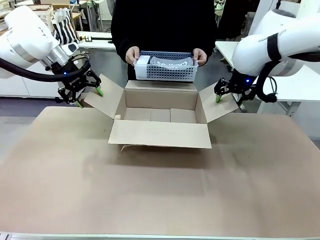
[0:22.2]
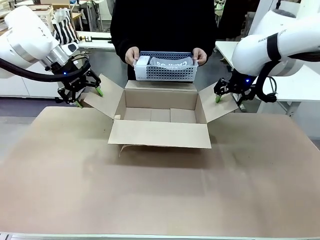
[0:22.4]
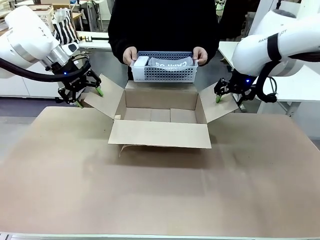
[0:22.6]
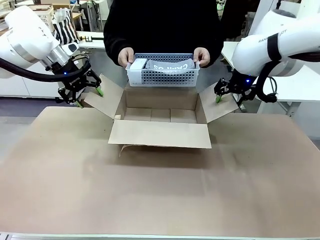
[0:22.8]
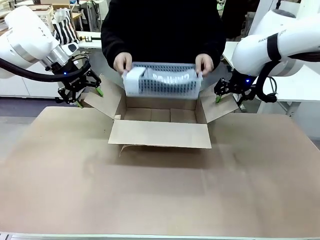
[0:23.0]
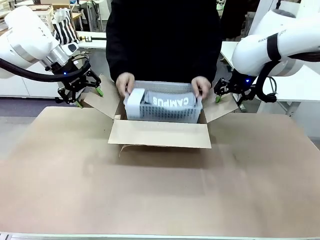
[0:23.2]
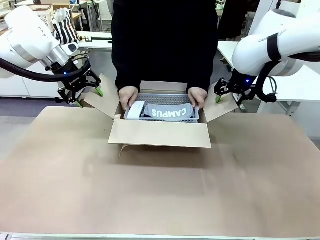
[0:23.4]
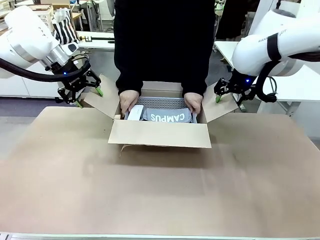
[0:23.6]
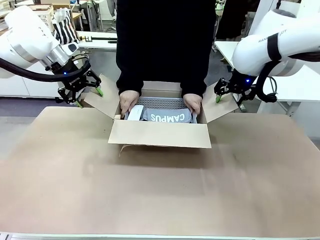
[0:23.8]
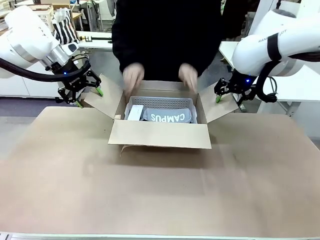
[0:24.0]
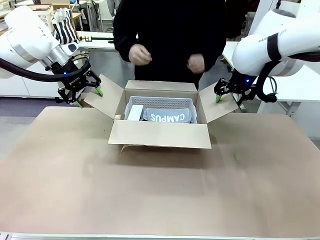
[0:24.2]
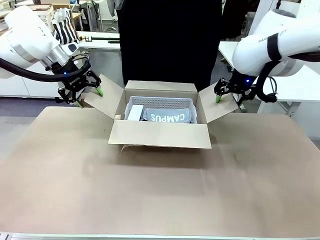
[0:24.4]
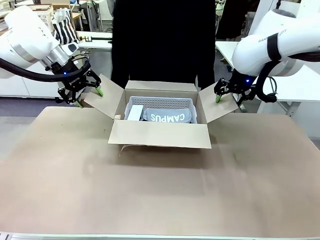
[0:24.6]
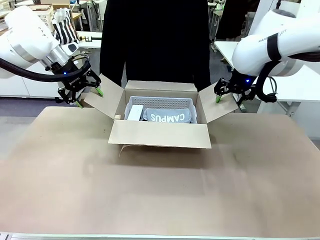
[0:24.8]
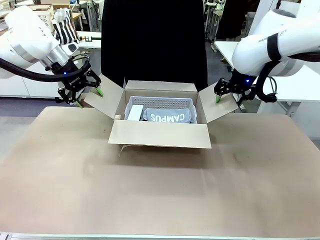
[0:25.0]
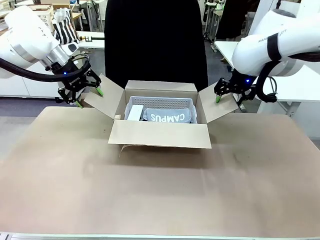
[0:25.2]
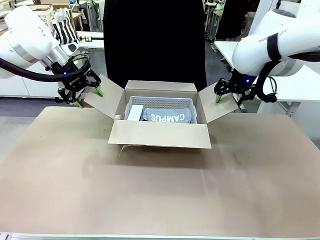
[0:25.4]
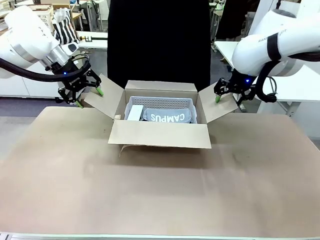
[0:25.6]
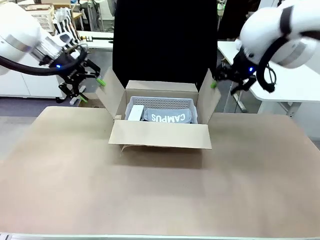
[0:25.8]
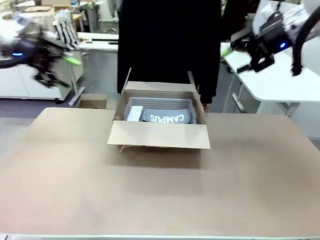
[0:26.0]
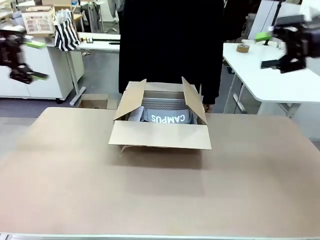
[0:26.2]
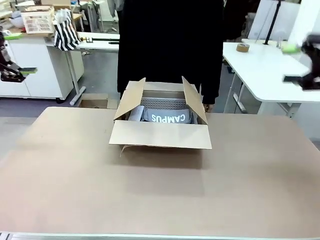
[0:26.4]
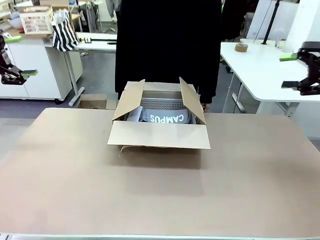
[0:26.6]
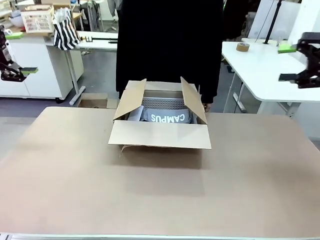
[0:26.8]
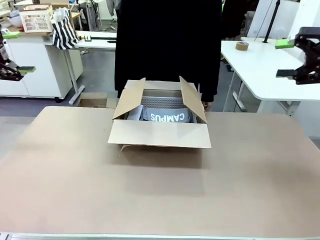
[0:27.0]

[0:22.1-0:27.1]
Task: Pack the gift set into the box.
Robot: Lift both hands away from the flaps of the Package Box.

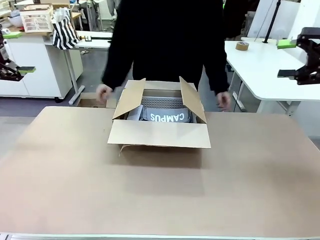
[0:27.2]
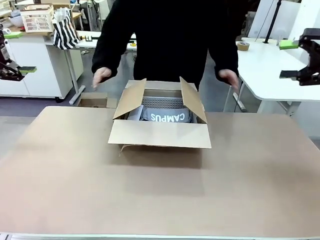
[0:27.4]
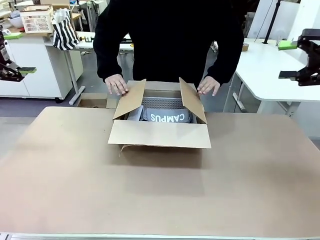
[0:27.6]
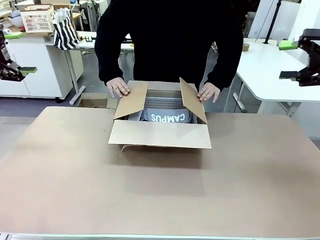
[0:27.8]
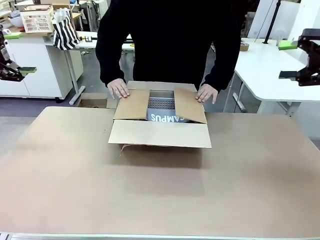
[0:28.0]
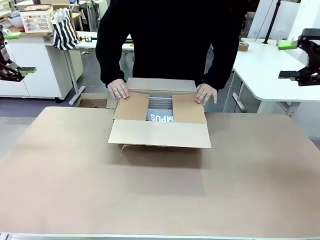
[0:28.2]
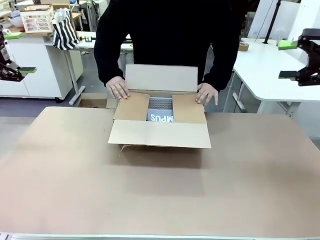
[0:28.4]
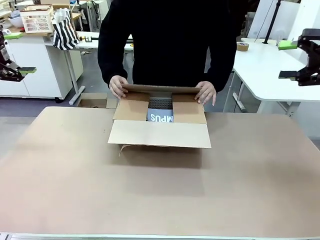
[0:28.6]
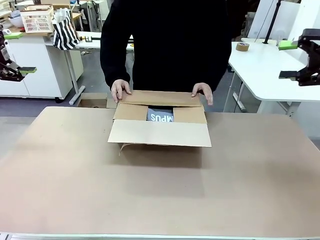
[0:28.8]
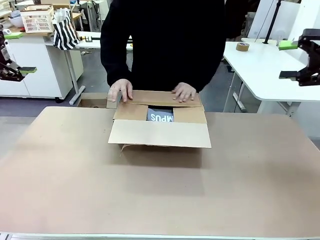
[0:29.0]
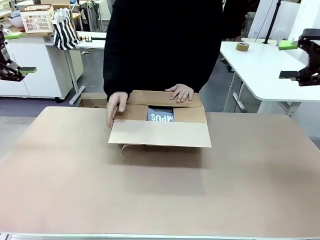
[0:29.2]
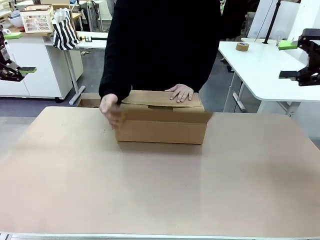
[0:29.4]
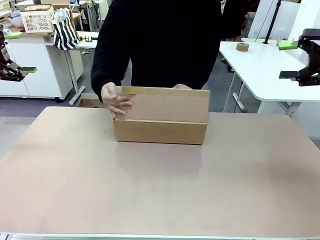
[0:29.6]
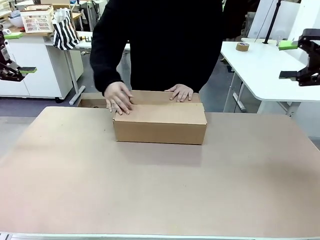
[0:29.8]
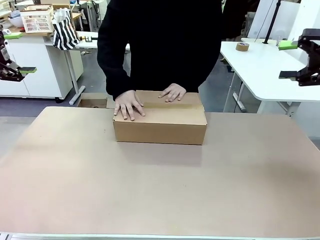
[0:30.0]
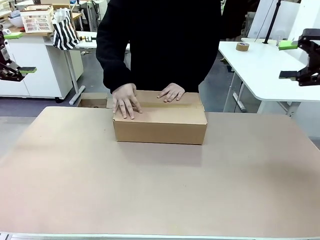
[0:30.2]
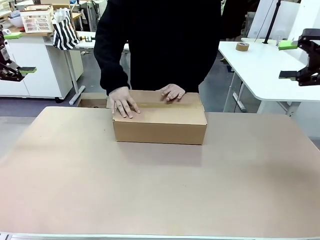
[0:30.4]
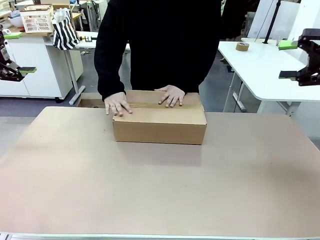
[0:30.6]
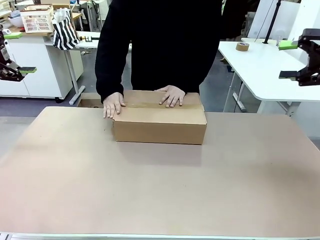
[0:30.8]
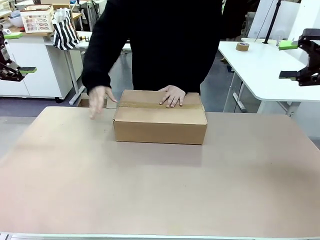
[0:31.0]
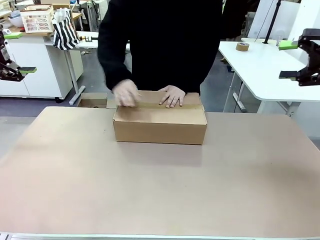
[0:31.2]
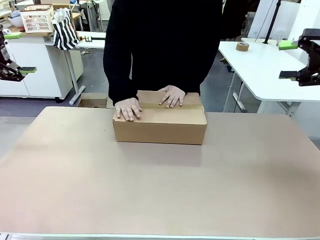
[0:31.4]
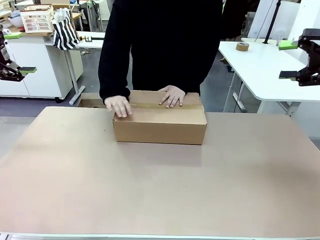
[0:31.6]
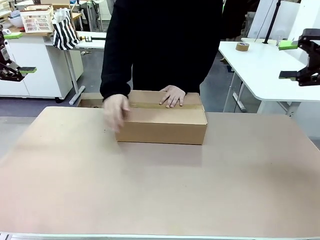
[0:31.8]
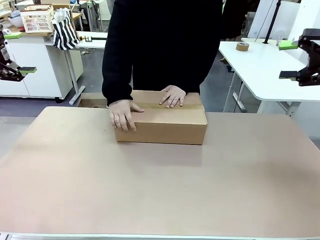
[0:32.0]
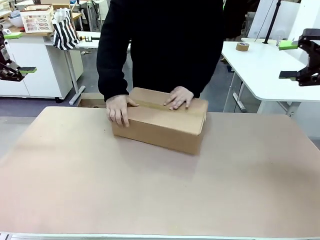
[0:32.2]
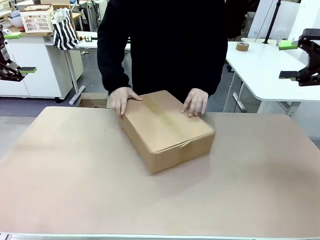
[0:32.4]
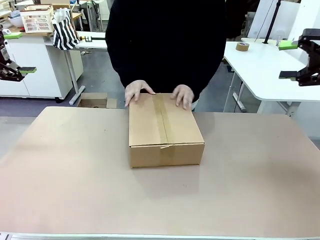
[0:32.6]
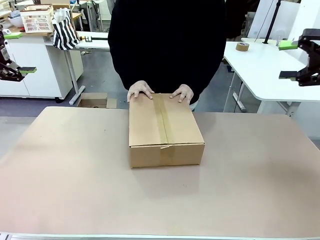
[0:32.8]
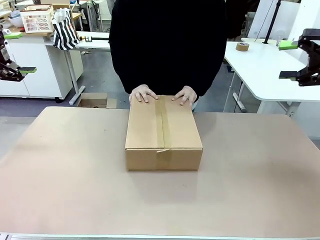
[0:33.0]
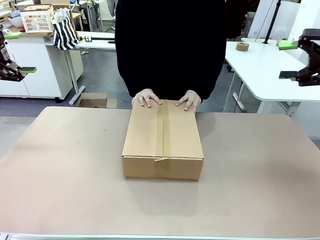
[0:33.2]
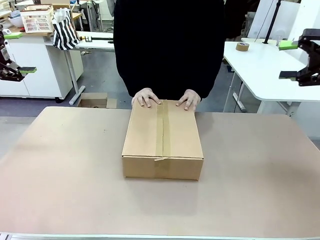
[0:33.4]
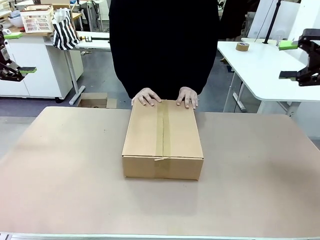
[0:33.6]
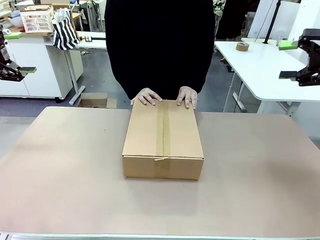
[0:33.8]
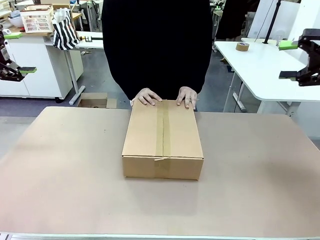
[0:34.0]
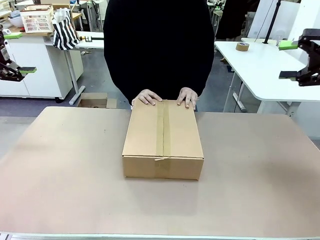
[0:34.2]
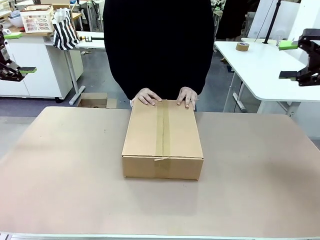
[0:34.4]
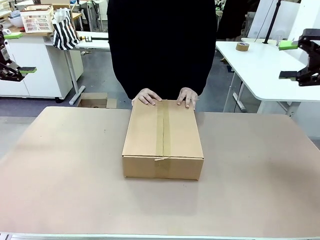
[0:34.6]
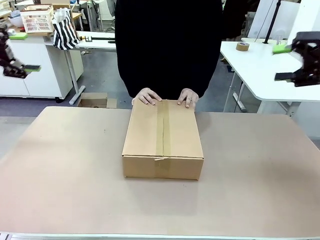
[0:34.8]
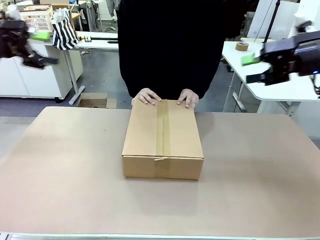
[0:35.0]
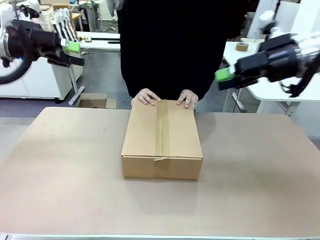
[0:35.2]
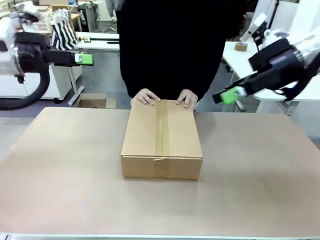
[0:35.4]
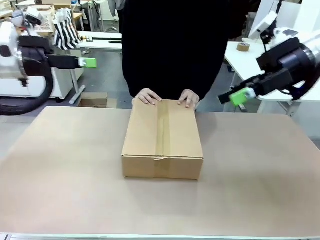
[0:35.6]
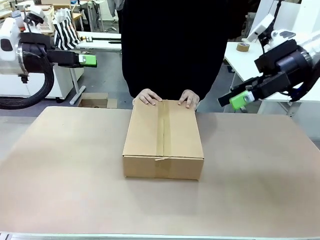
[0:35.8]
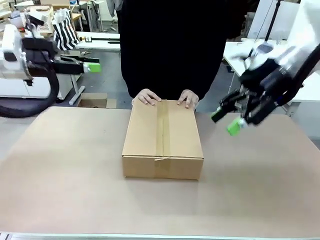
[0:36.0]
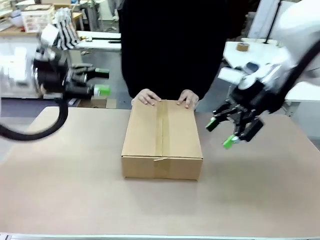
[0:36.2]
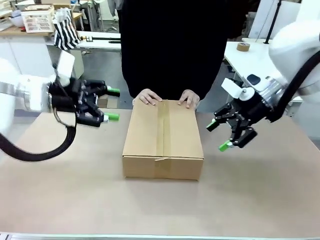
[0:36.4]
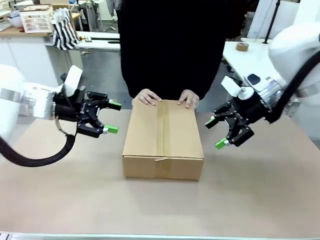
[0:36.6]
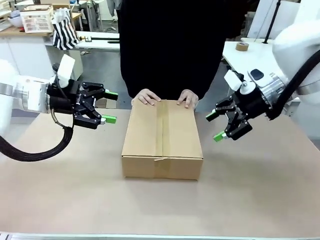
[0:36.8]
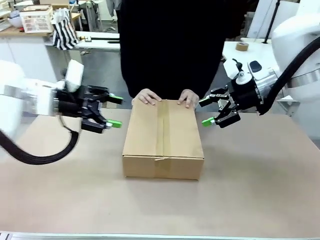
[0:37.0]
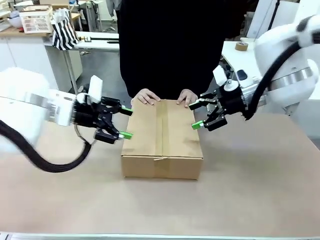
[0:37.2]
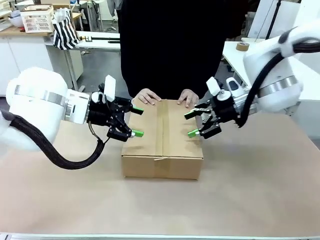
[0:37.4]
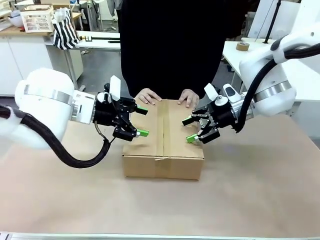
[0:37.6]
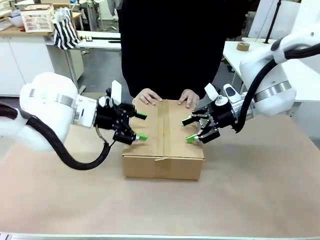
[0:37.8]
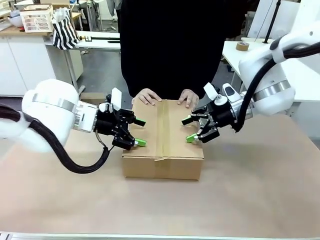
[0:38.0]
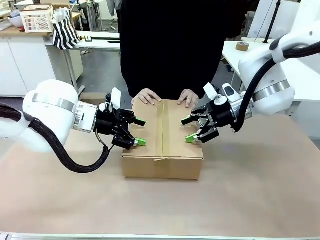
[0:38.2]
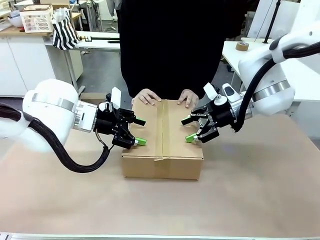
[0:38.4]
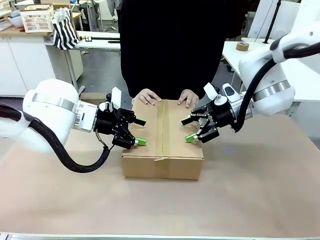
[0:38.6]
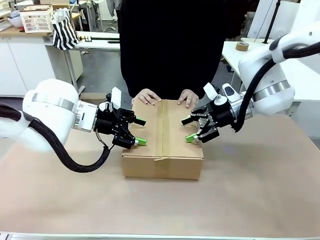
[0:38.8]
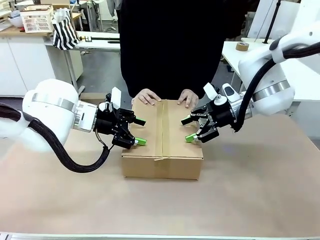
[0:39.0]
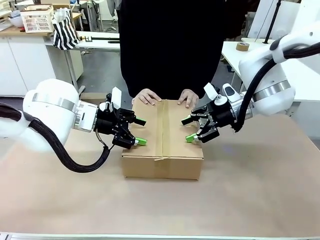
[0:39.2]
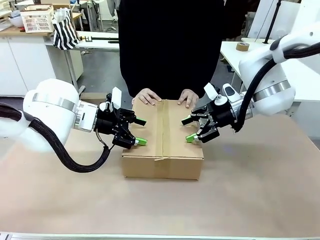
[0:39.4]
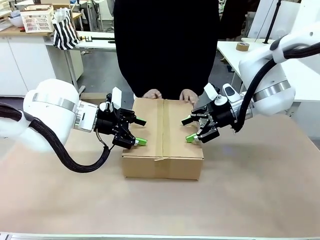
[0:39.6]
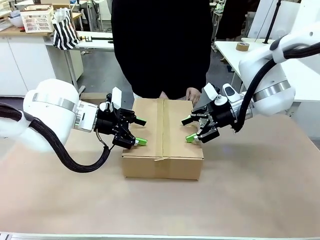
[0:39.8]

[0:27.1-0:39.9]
Robot: Press and hold the closed box until the human finishes sealing it.
Person: The human closes the box and rotates the box by 90 degrees.
